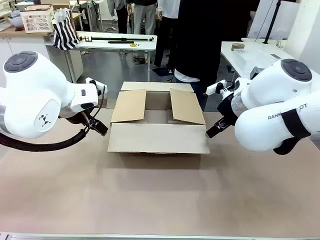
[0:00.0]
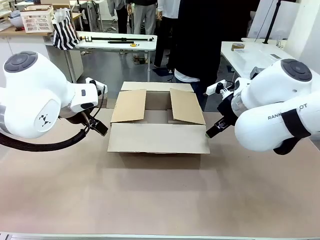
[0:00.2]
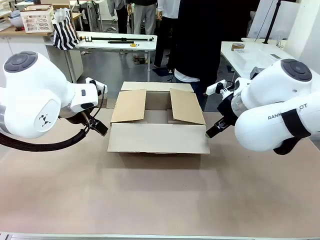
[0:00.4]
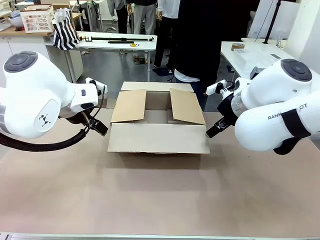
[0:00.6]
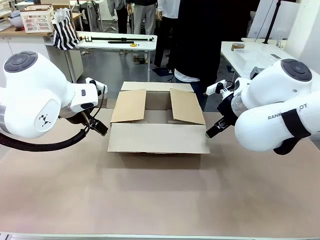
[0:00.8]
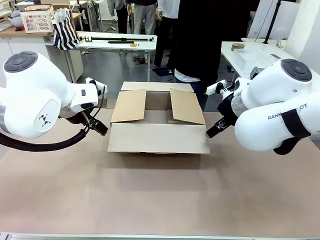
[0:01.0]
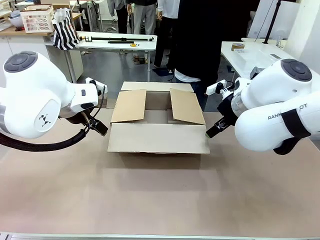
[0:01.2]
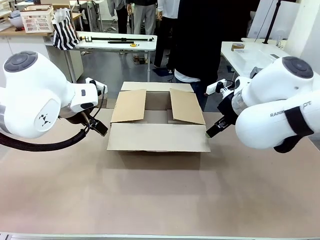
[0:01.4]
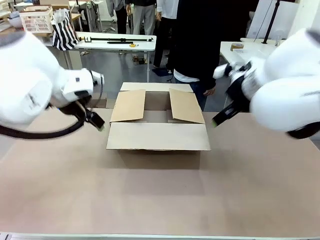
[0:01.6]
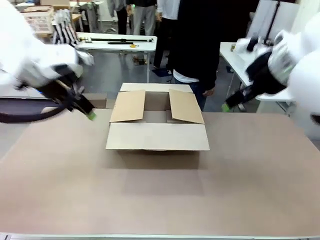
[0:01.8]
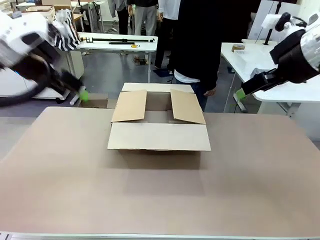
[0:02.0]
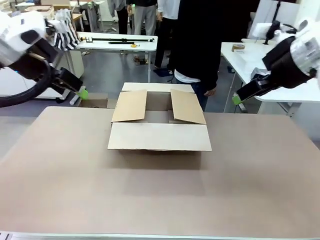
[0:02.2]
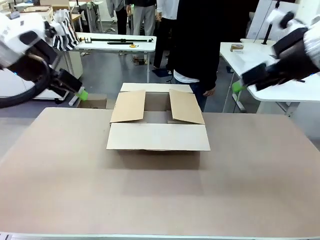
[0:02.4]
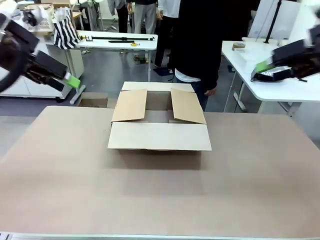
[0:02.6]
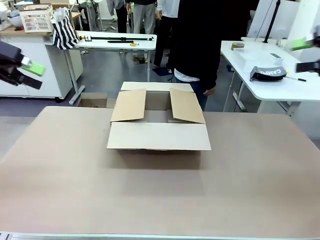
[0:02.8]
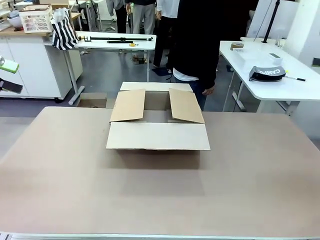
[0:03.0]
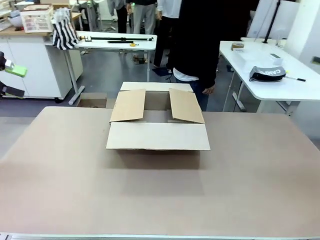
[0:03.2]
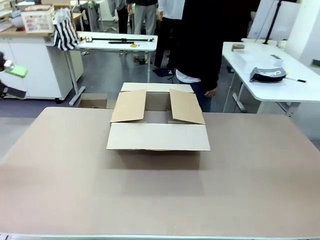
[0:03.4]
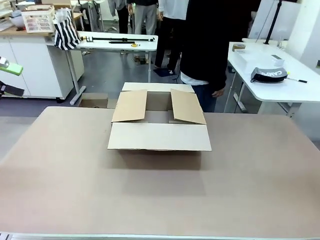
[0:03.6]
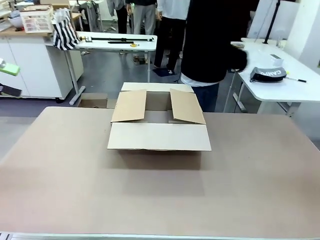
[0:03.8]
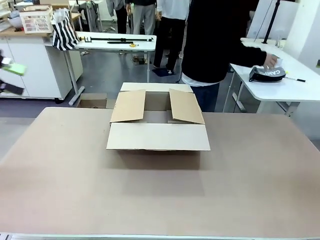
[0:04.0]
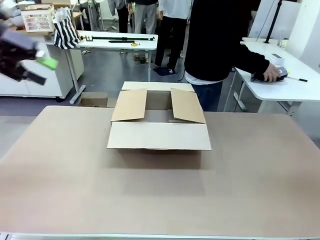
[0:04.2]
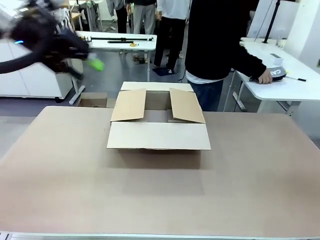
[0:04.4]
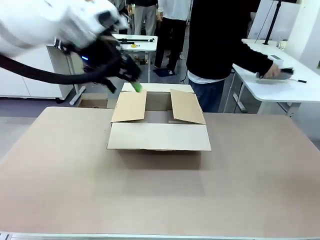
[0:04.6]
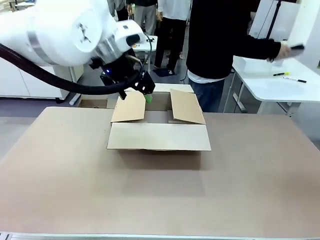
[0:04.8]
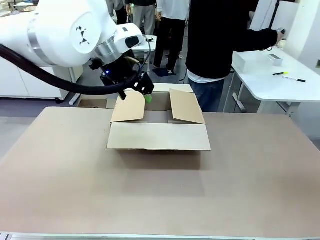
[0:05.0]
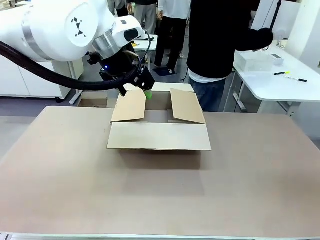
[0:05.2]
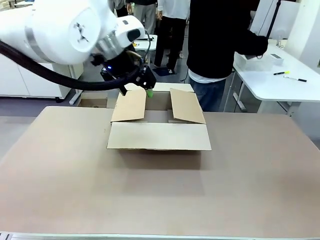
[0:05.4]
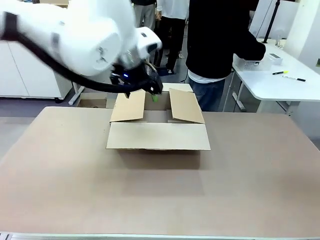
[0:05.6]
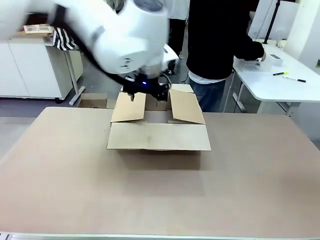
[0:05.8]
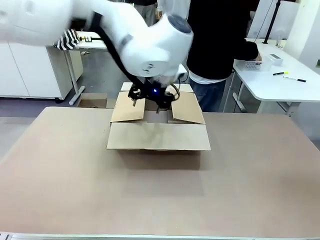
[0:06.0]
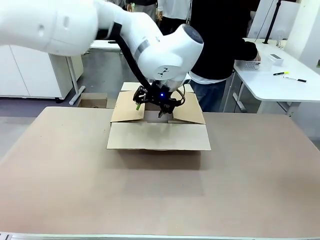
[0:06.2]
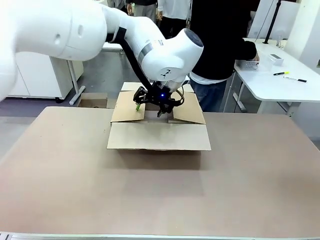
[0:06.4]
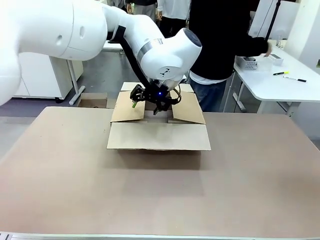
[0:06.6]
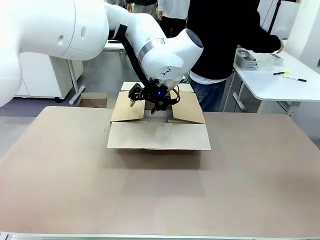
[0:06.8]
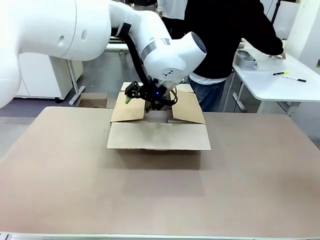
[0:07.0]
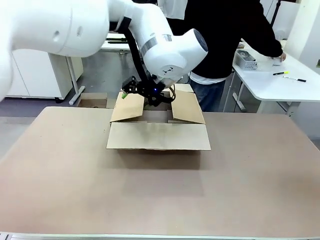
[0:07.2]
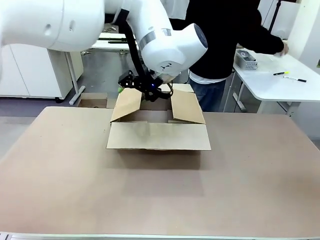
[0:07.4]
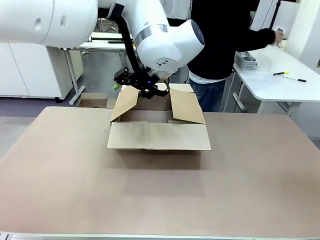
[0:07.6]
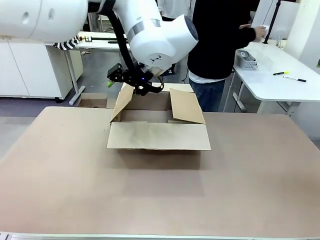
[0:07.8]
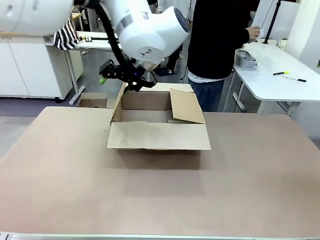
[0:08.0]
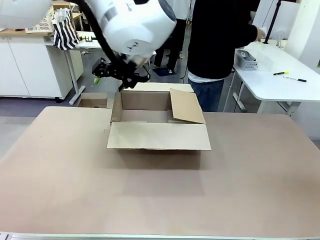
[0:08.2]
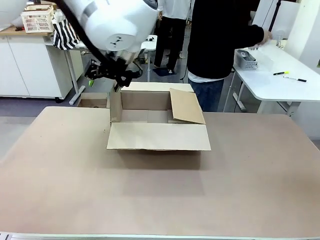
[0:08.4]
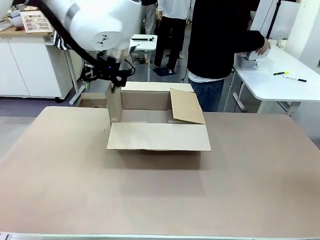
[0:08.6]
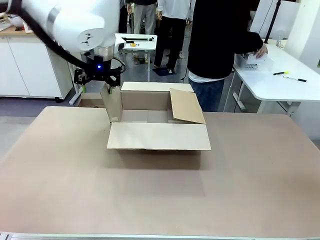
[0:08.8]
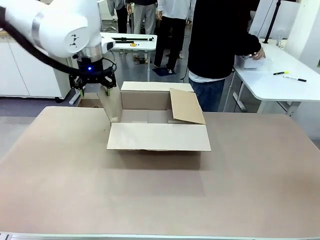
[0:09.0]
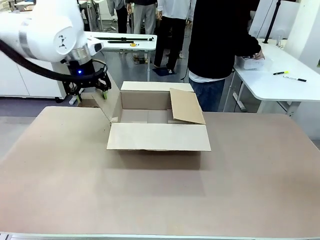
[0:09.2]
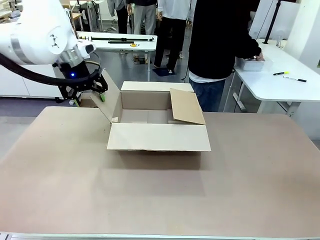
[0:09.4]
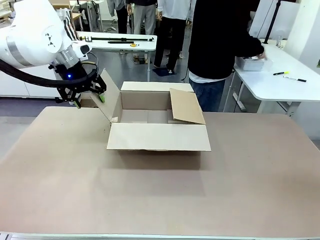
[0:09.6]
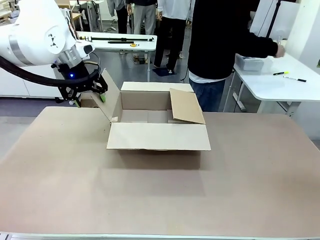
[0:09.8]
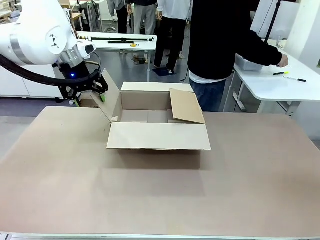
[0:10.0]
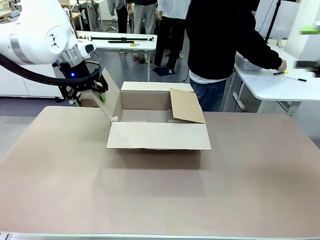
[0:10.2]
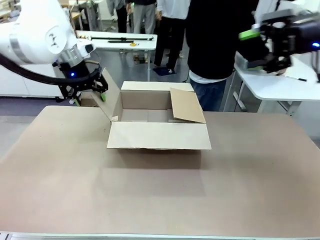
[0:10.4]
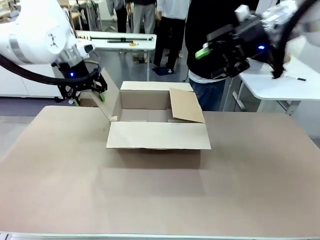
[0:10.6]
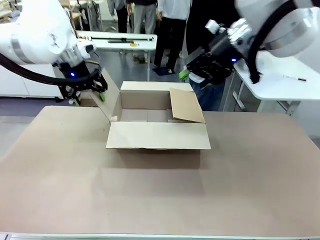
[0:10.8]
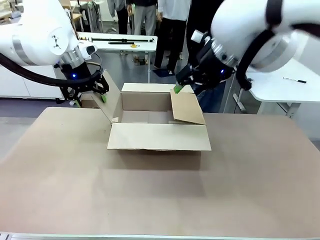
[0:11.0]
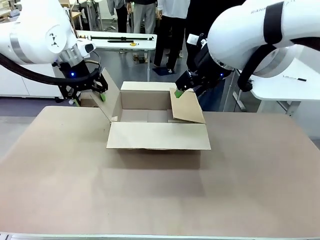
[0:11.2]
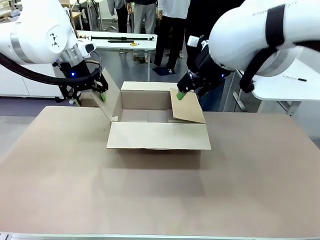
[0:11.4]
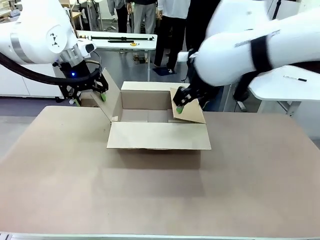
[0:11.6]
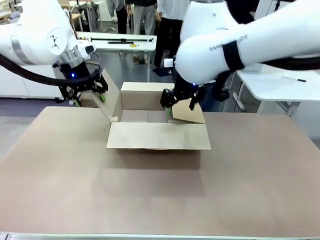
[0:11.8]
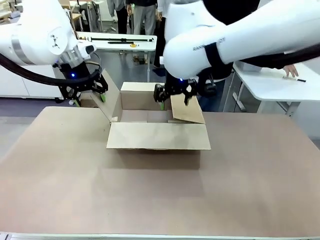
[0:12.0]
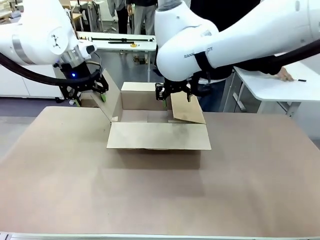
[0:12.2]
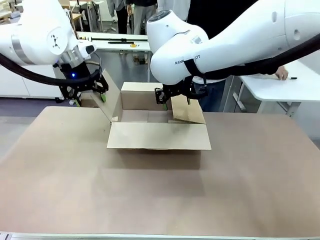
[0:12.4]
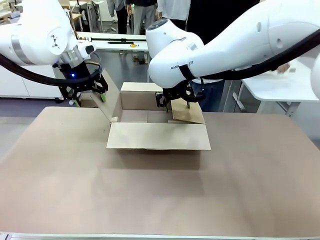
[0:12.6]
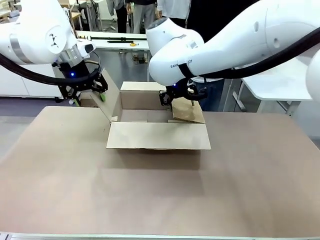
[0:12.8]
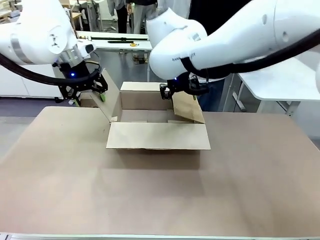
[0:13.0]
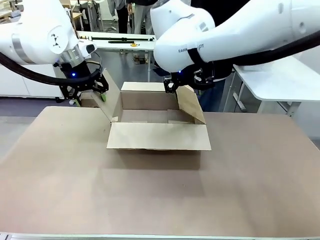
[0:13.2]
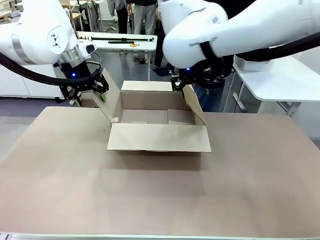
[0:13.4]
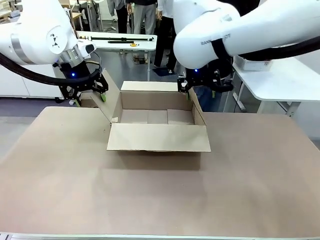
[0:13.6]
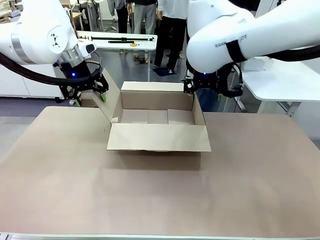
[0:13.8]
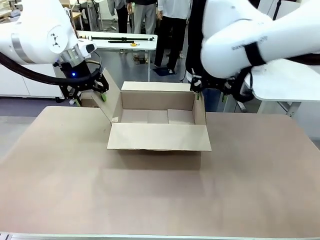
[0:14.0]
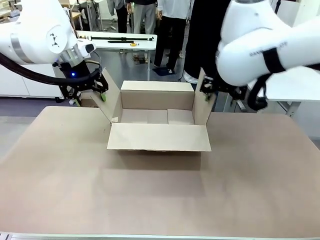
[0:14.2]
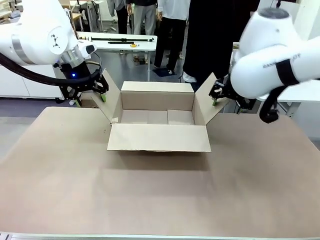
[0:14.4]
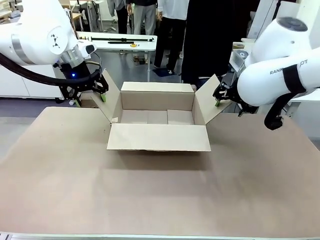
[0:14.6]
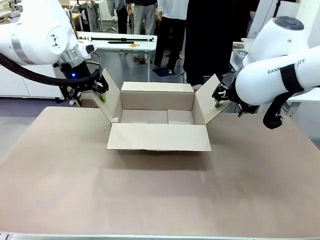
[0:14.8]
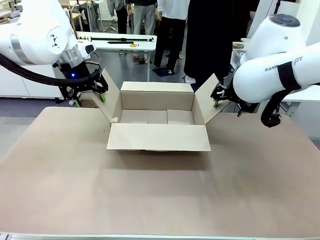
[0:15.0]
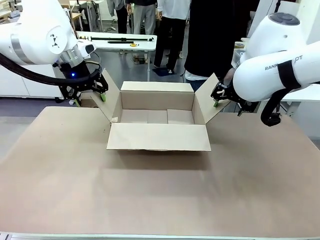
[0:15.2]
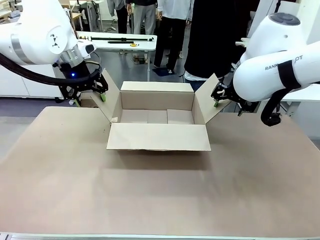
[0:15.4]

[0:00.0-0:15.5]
Task: Pack the gift set into the box.
Robot: Place both hands on the side flaps of the Package Box and spread them outward.
Person: The human places all items except the paper tape into the organizing basket.

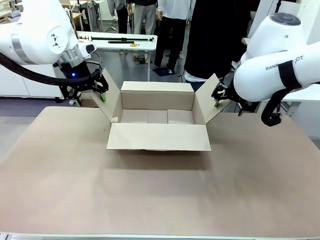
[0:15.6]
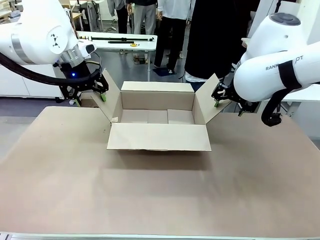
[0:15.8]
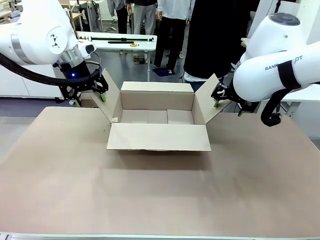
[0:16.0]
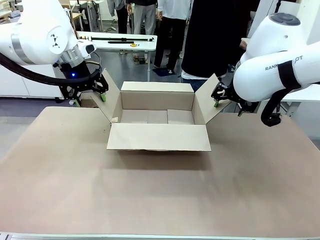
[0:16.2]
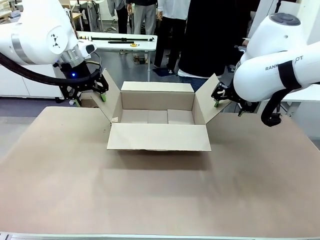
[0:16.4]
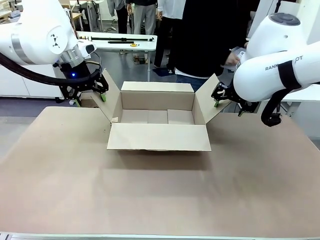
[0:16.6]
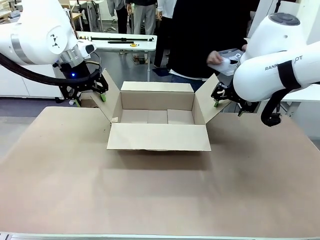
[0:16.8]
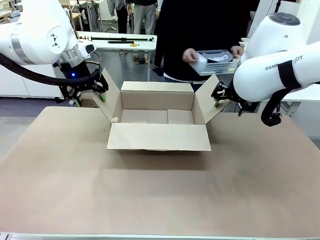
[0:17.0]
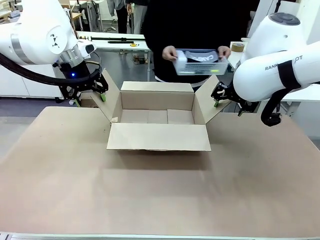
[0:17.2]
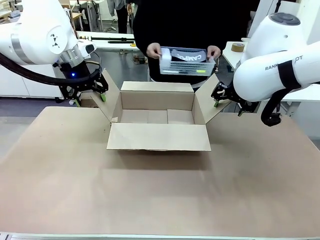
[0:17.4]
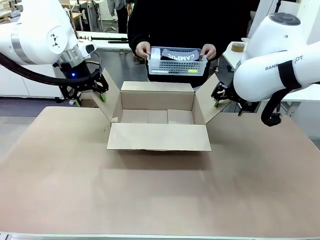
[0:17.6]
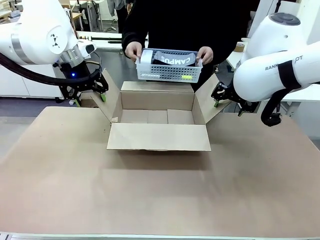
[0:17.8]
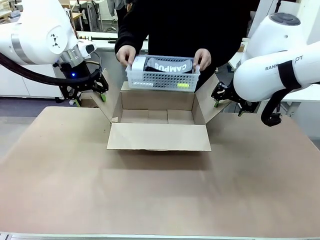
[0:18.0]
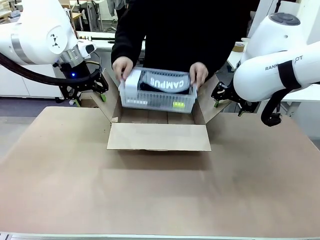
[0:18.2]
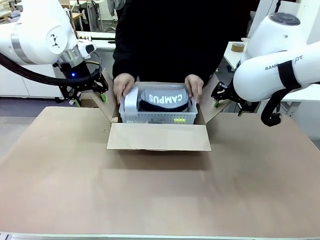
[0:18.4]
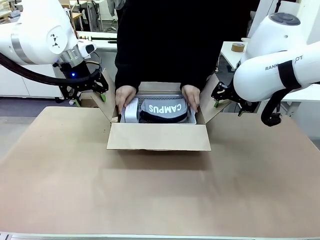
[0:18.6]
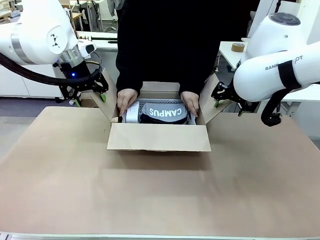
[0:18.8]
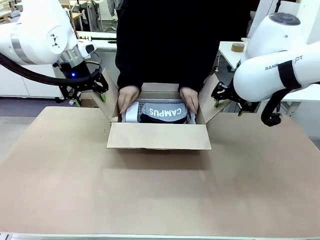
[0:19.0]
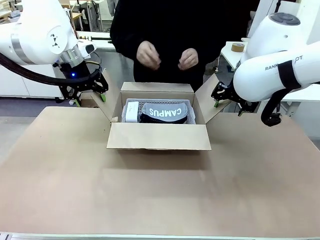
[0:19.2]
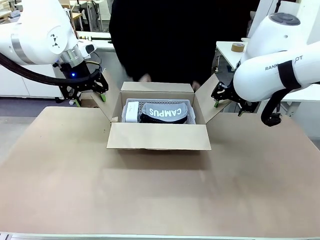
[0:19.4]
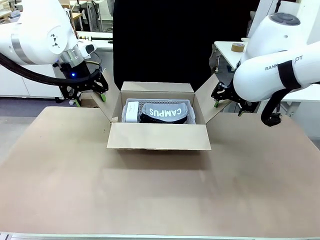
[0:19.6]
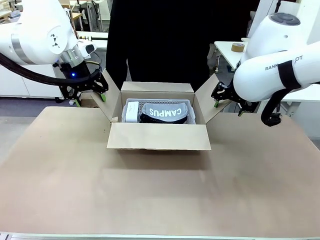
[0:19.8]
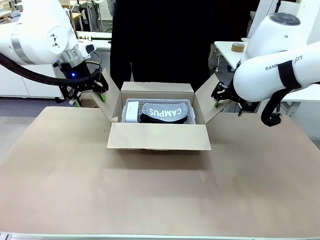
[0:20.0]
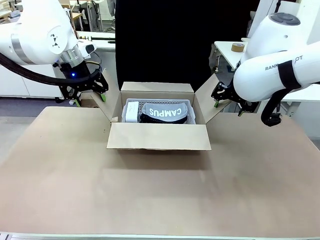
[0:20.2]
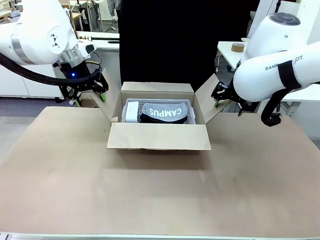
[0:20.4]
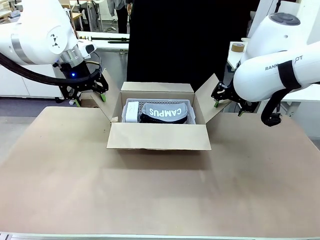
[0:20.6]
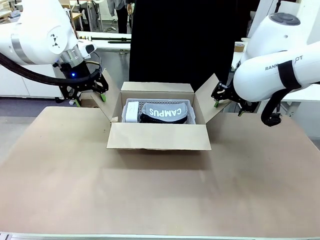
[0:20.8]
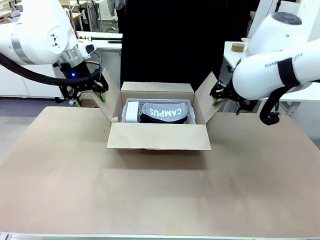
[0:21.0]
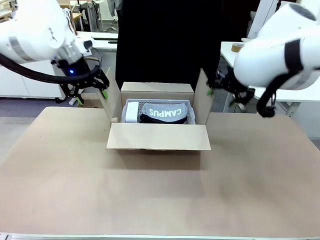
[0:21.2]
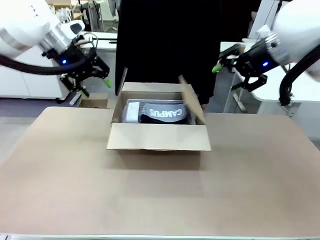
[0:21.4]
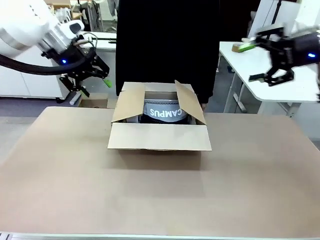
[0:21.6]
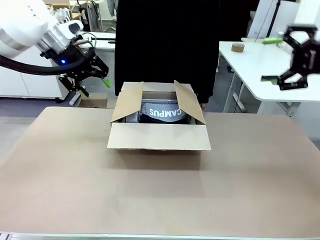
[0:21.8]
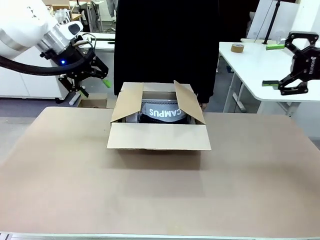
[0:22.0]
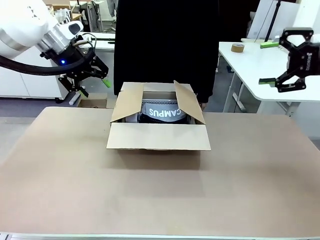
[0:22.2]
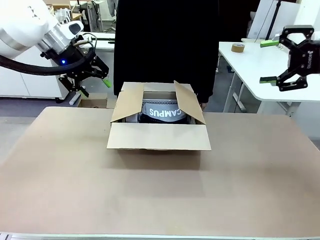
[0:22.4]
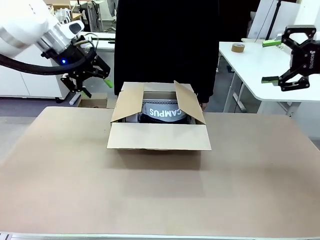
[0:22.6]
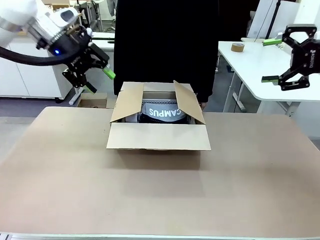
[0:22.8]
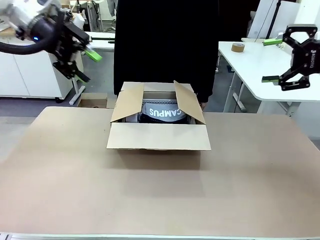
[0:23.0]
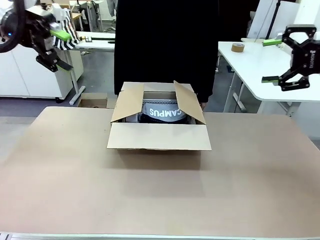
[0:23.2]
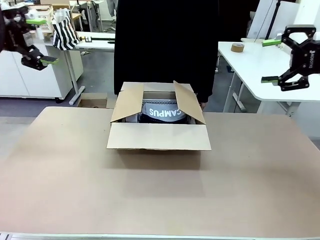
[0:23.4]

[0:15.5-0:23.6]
Robot: Lift both hands away from the flaps of the Package Box.
Person: The human picks up the organizing basket and places the organizing basket into the package box on the robot table.
